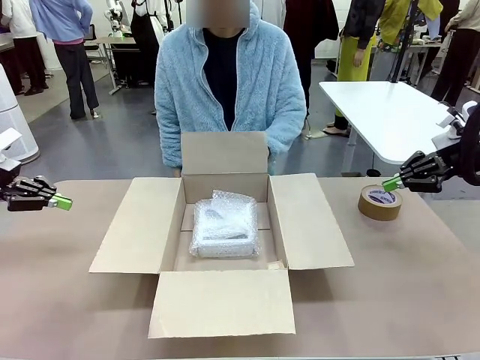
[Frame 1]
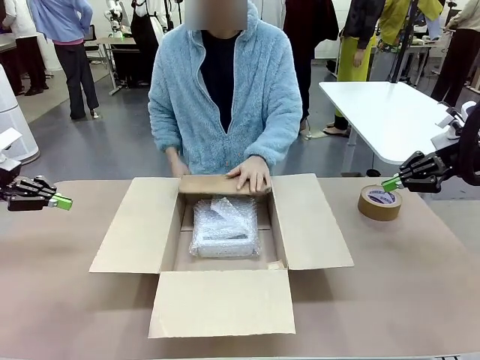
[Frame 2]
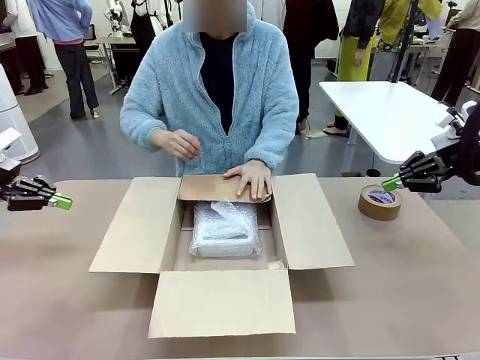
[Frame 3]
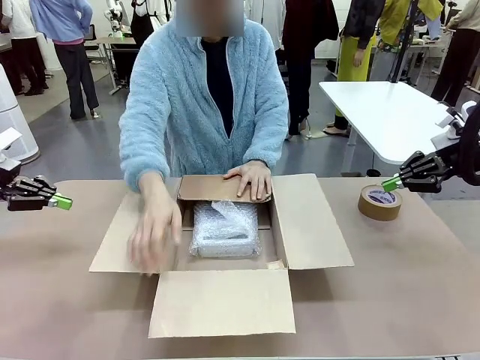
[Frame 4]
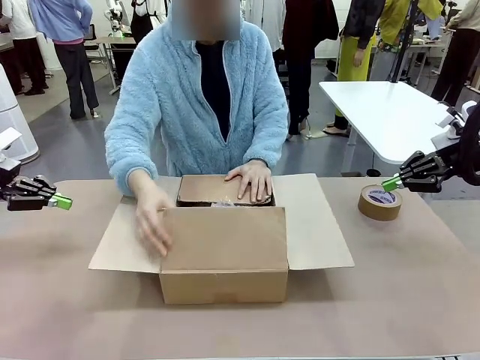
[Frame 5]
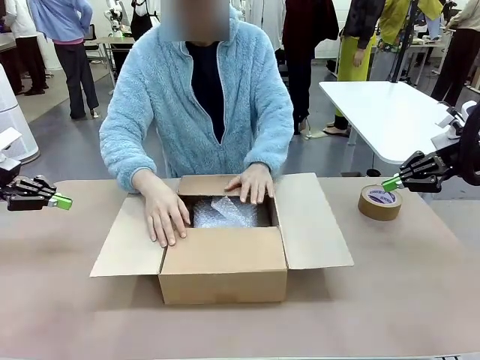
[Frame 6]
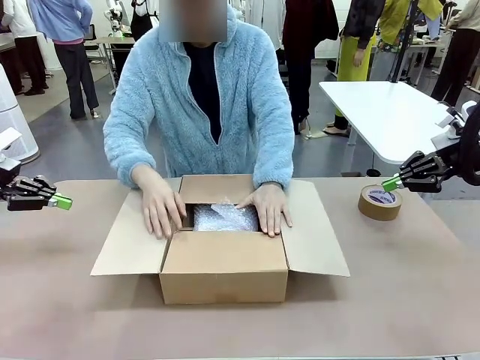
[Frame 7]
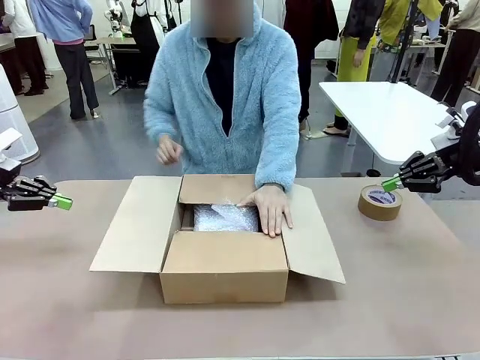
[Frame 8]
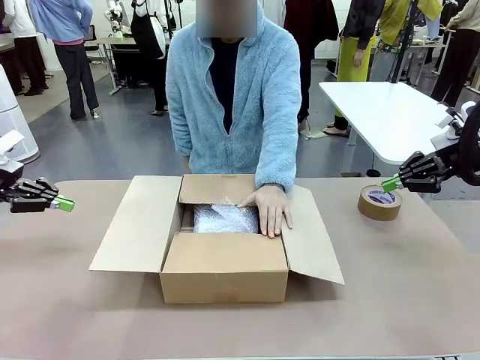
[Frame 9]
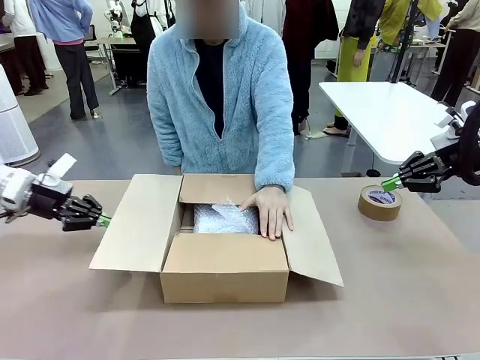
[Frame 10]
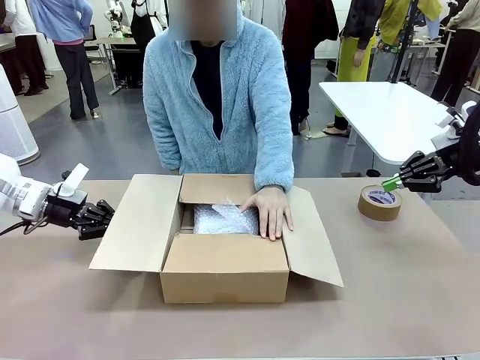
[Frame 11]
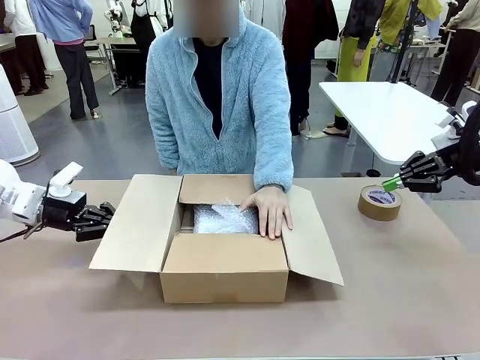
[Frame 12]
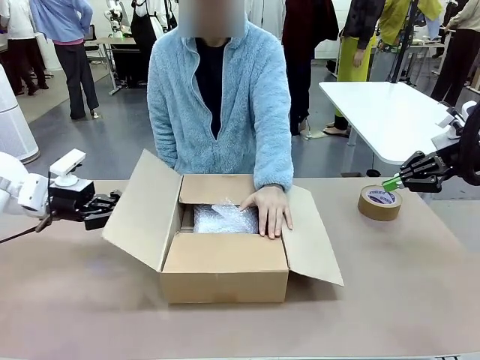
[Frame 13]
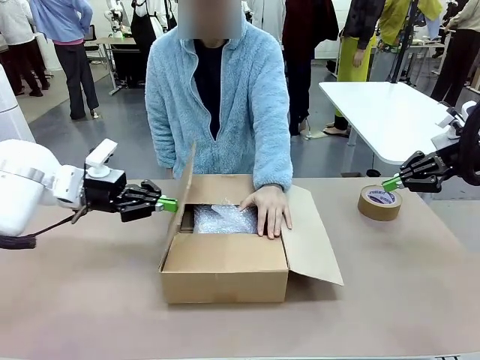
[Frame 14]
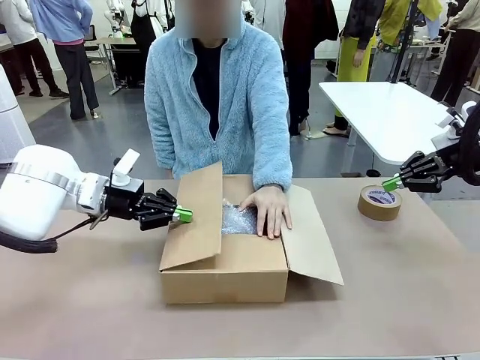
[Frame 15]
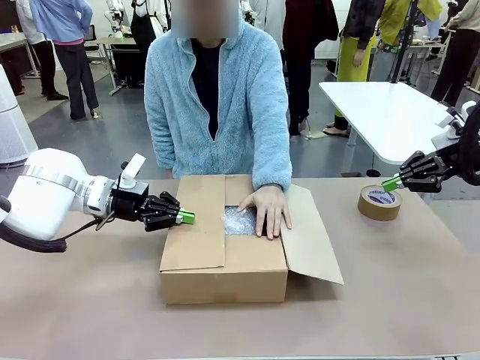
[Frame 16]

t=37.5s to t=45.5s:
Task: Wrap the clocks to prevent damage.
Robot: Push the right (or left) flap of the Package Box to close it.
Person: Once the robot closes the right flap of the Package Box , release your left hand from the box.

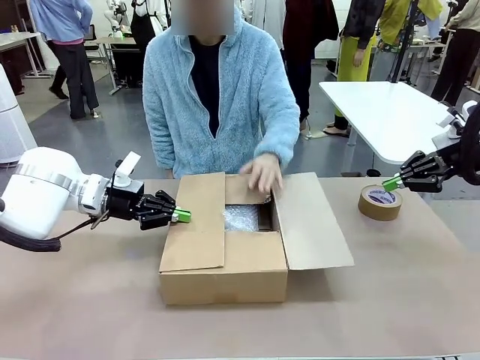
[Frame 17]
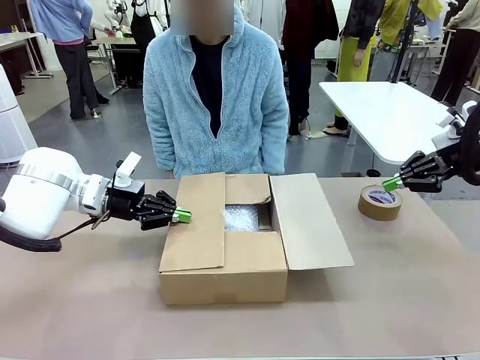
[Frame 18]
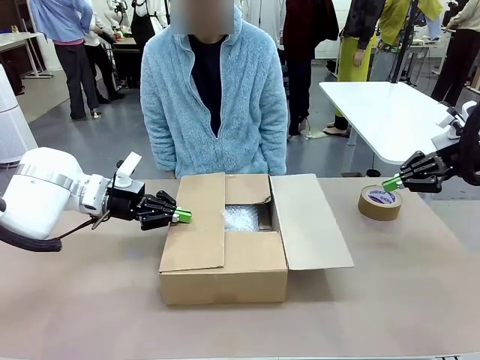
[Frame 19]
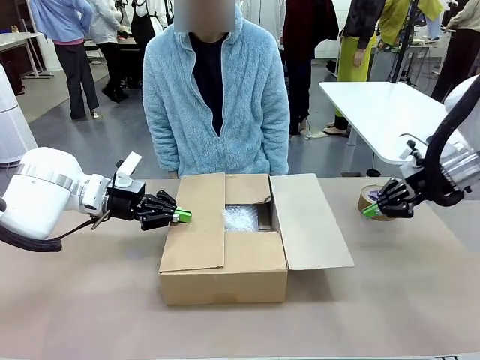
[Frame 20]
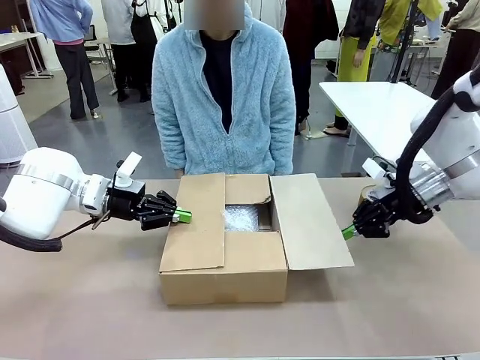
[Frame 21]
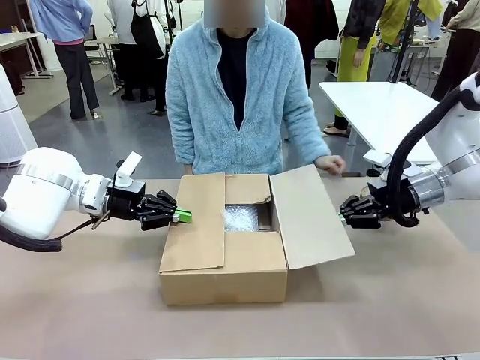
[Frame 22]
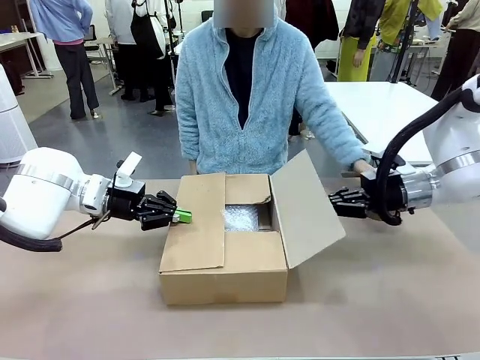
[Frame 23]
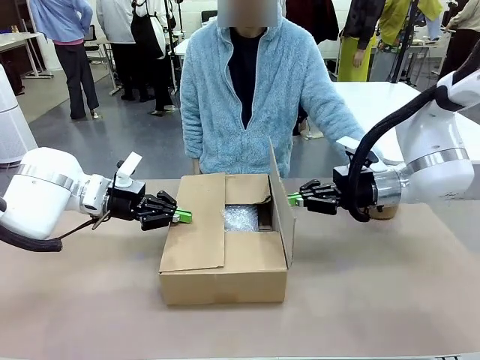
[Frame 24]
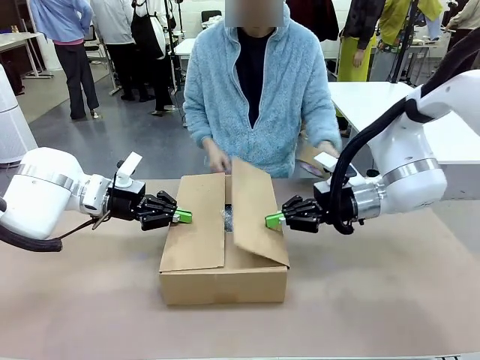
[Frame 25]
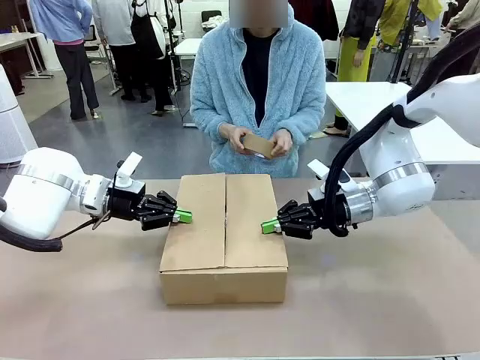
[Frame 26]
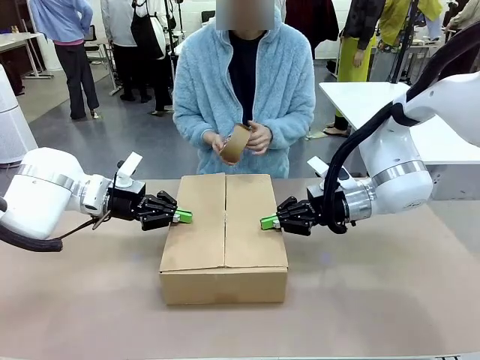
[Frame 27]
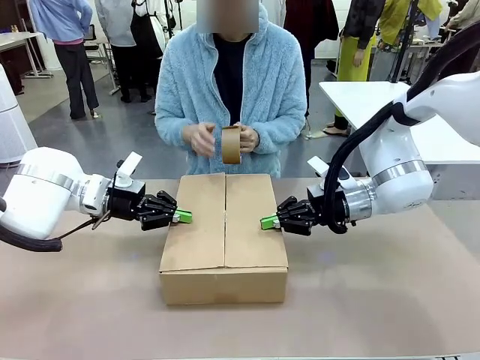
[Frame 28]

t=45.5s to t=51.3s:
Robot: Push the left (or right) flap of the Package Box to close it.

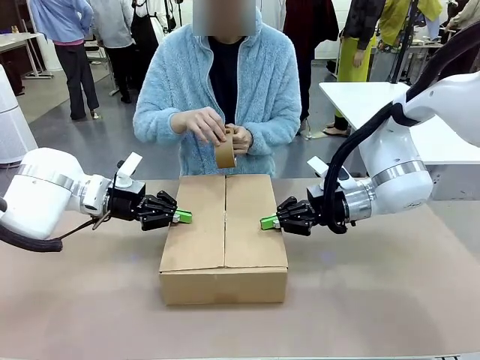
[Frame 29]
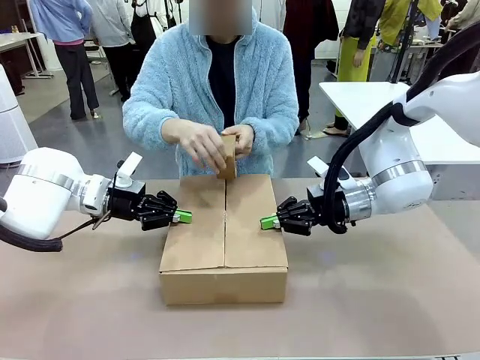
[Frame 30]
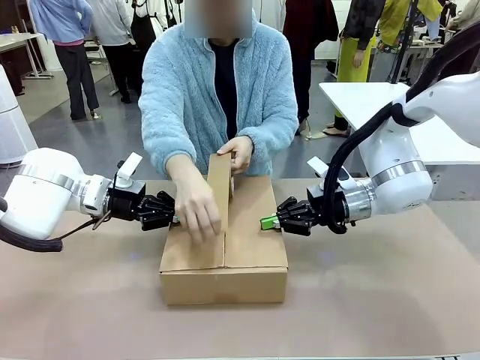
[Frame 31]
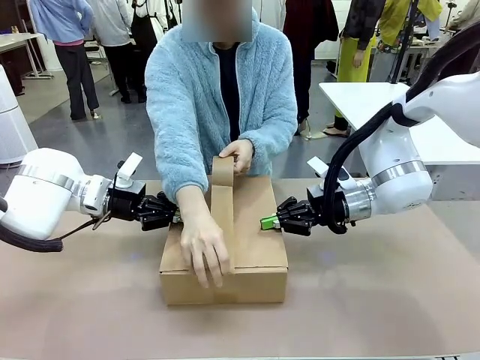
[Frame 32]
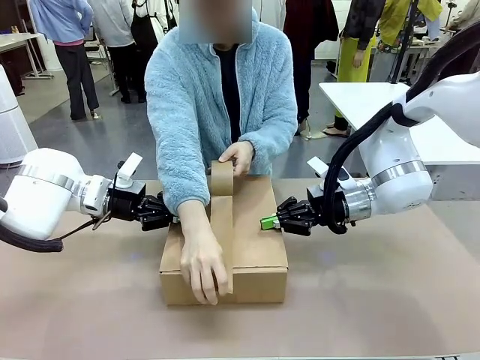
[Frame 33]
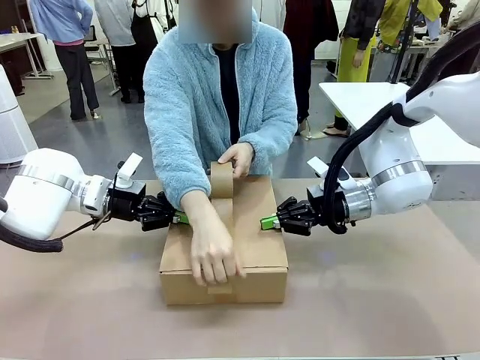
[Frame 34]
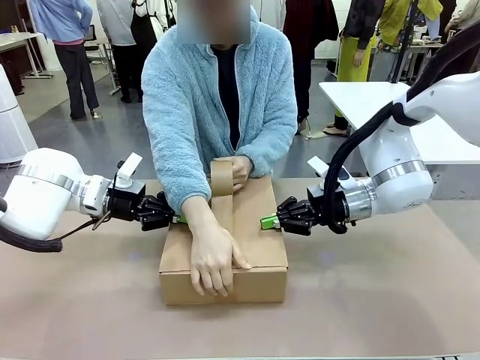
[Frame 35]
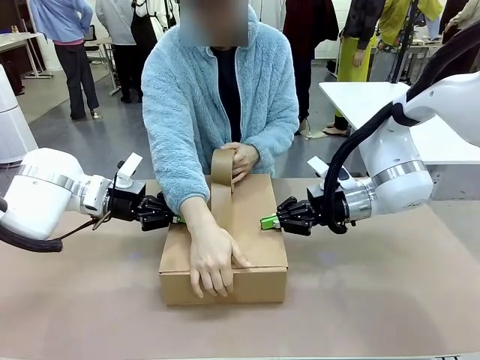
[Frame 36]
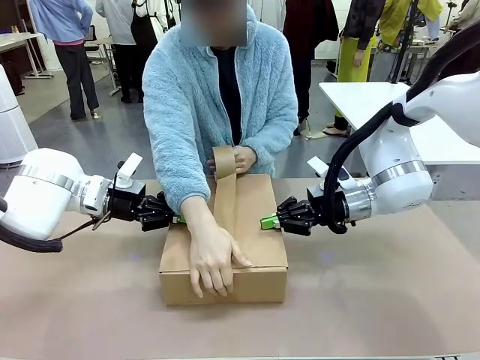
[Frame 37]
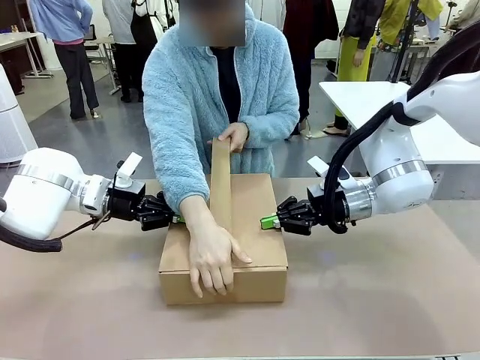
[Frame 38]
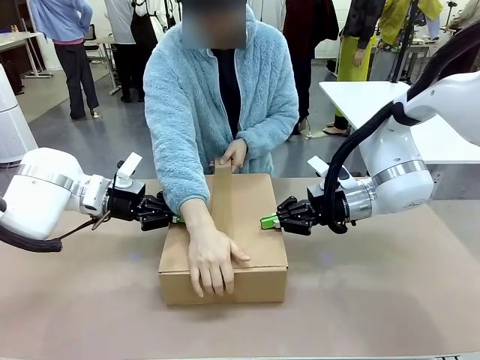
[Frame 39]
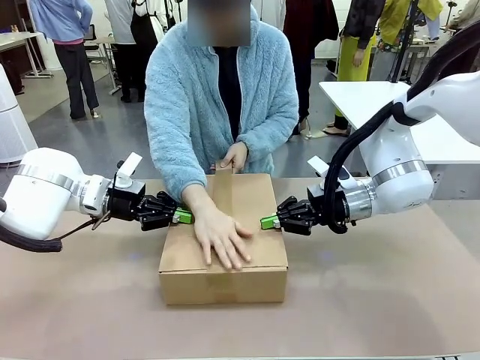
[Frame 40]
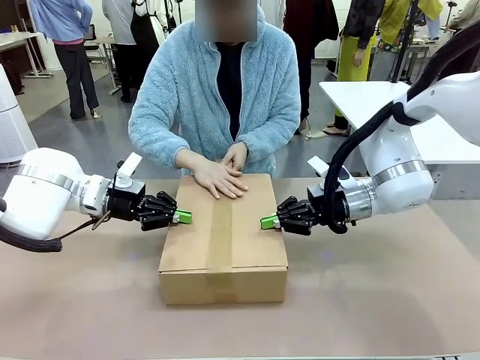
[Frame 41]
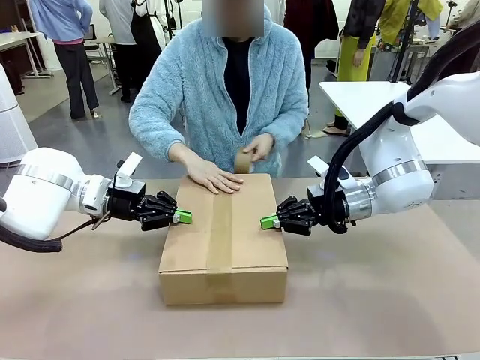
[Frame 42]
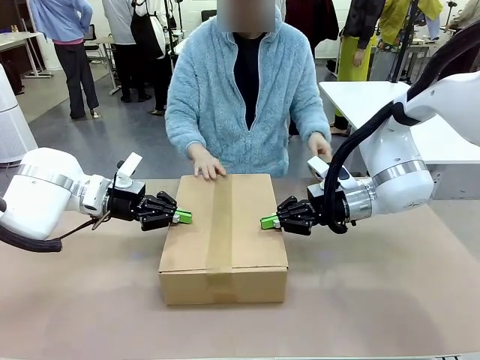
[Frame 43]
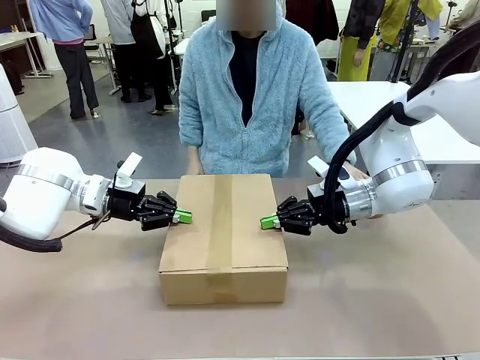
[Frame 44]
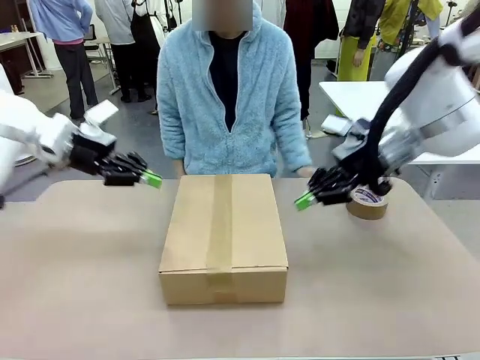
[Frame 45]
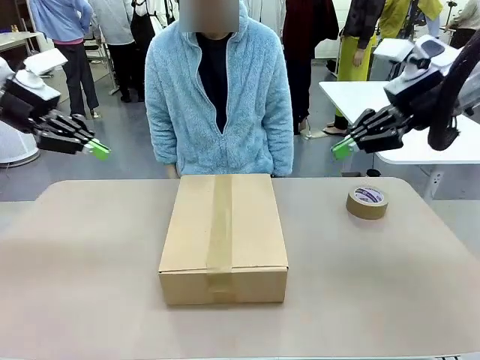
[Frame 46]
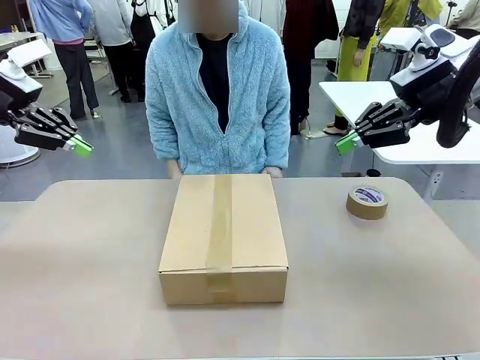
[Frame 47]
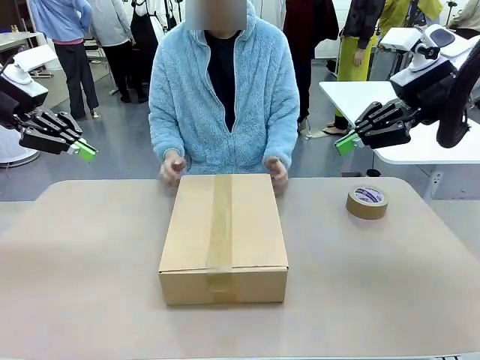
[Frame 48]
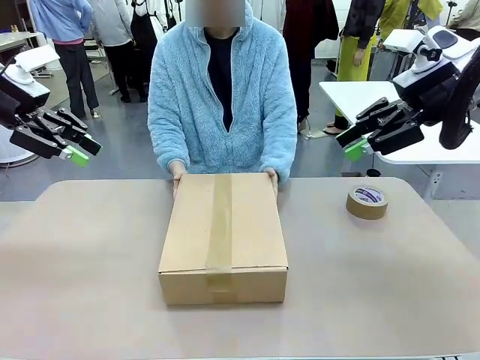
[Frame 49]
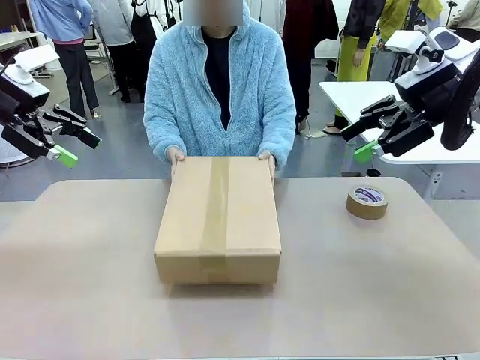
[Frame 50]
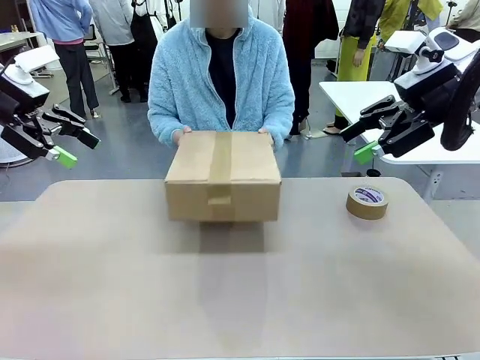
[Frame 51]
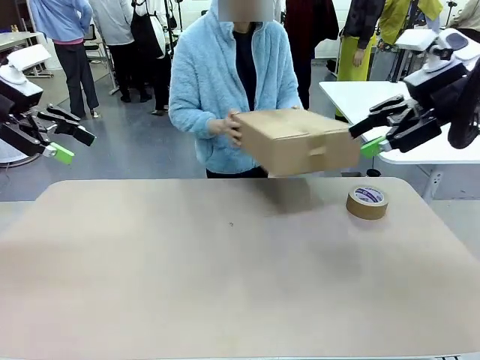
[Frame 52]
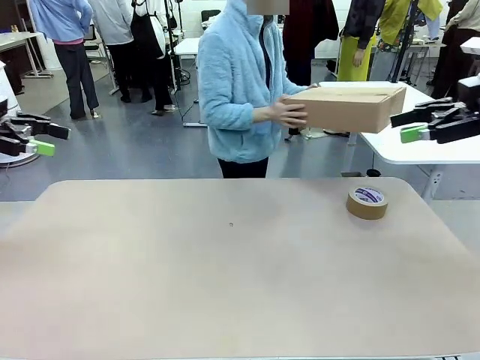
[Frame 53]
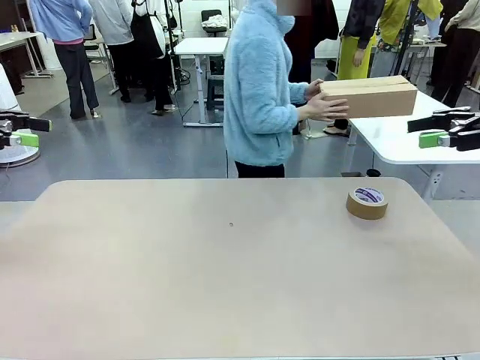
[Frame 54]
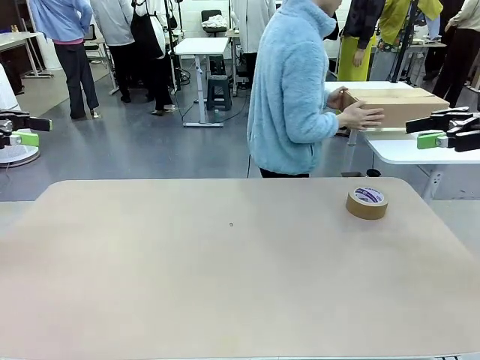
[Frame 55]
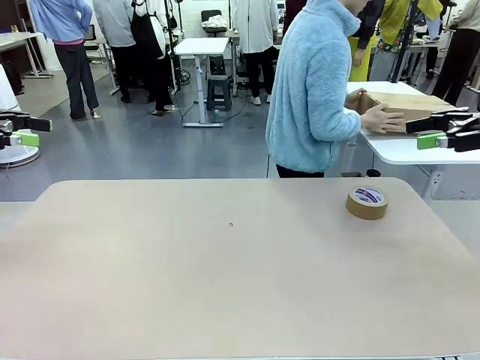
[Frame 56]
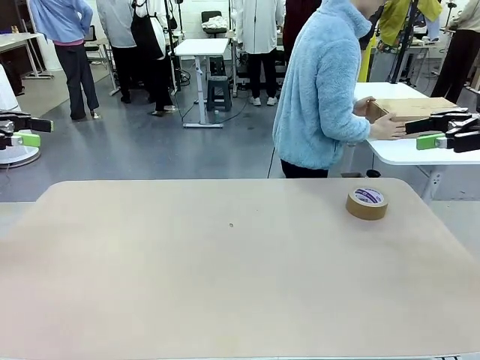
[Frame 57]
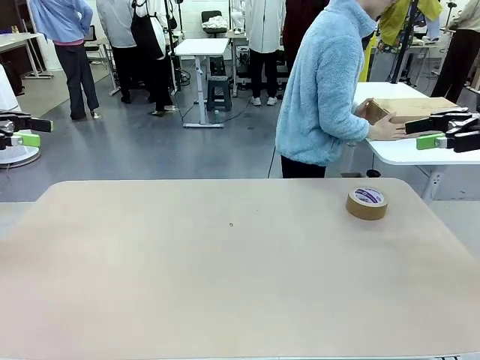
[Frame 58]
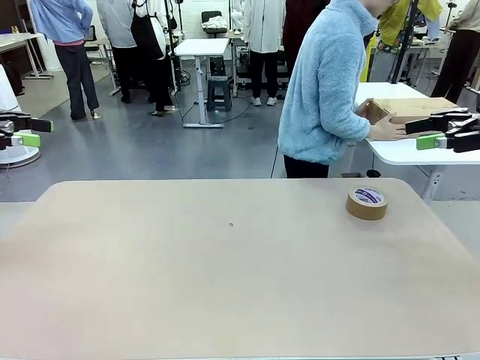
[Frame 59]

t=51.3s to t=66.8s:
Robot: After the human seals the box with tape, release both hands from the side flaps of the Package Box.
Person: Once the robot closes the left flap of the Package Box , seal the box with Paper Tape. Place sealed Package Box in the middle of the human's table.
